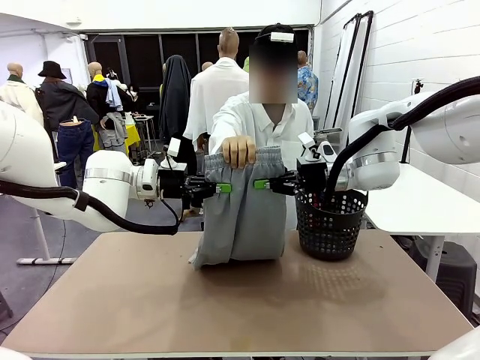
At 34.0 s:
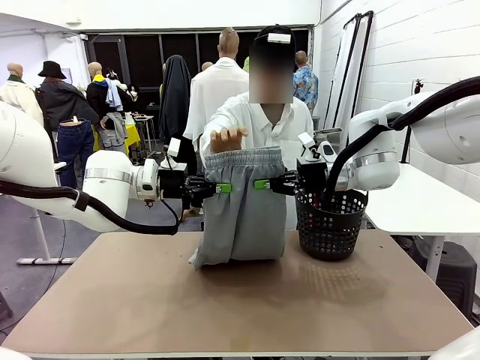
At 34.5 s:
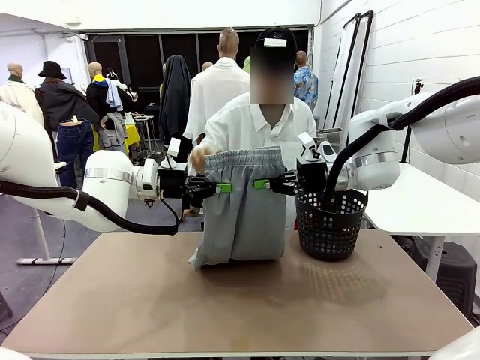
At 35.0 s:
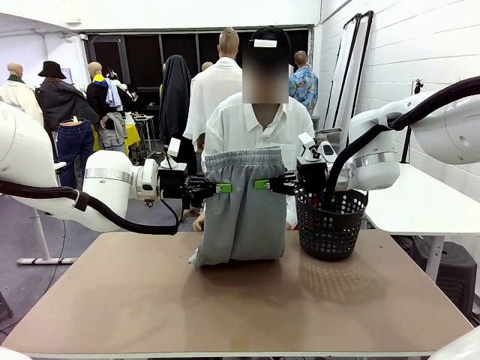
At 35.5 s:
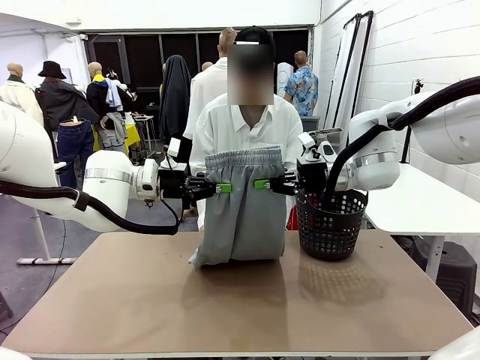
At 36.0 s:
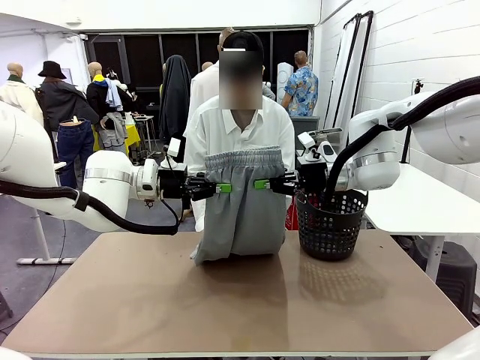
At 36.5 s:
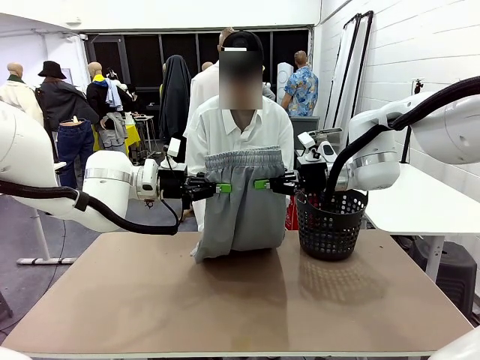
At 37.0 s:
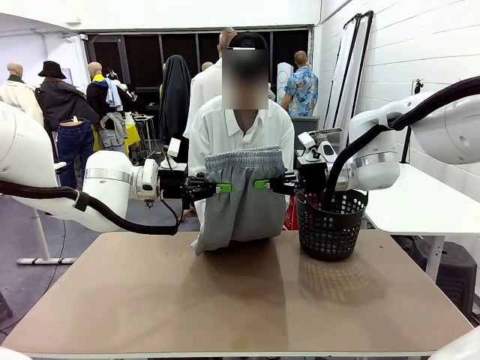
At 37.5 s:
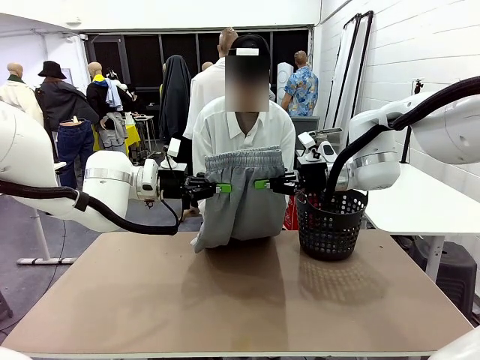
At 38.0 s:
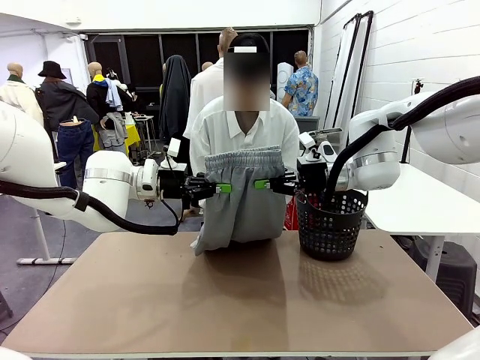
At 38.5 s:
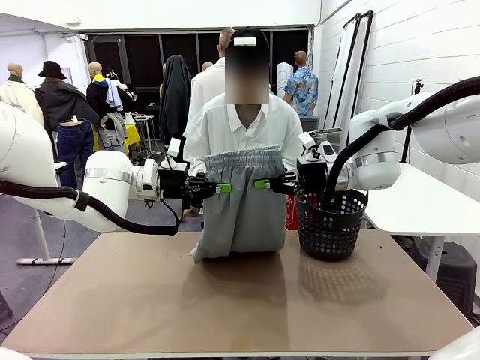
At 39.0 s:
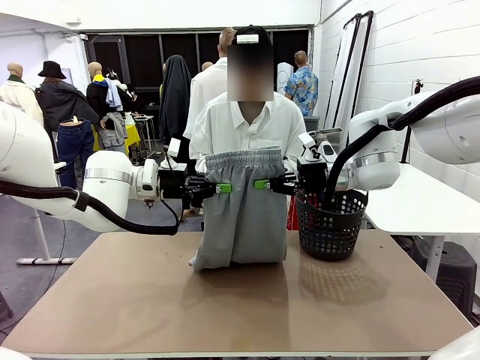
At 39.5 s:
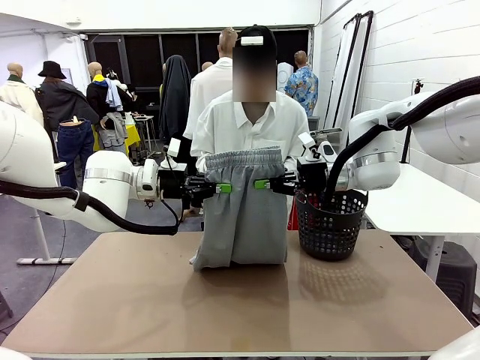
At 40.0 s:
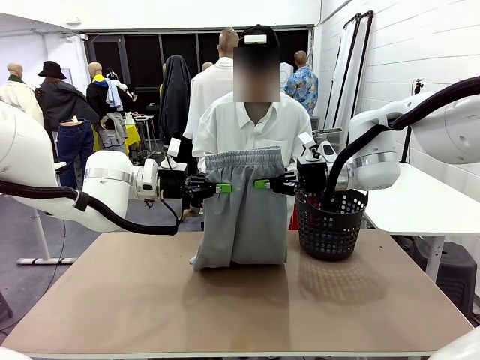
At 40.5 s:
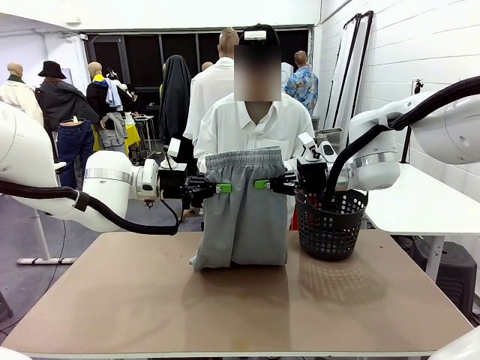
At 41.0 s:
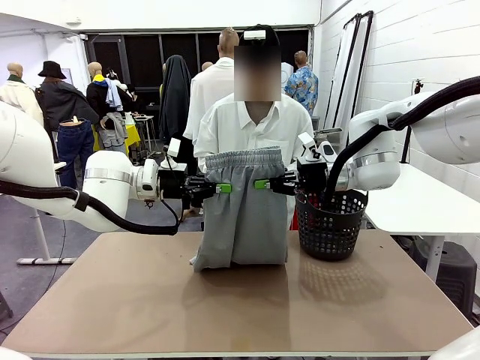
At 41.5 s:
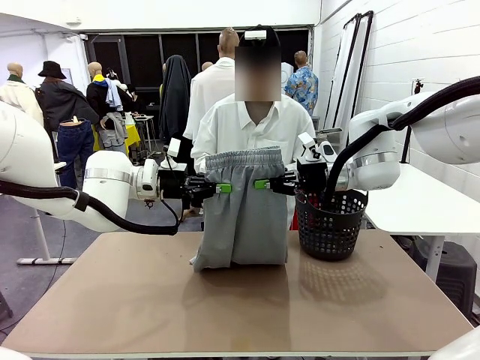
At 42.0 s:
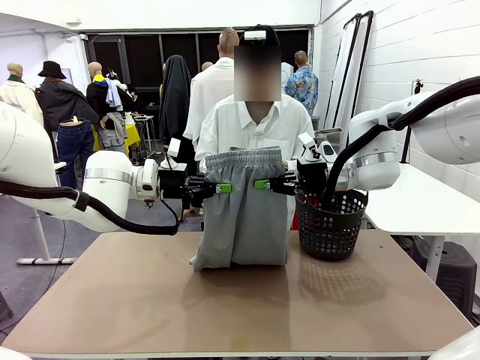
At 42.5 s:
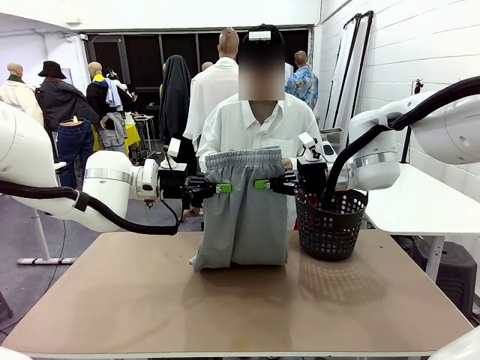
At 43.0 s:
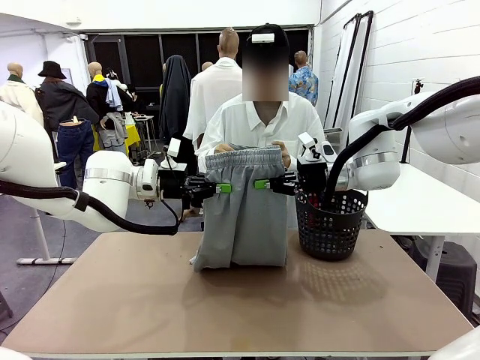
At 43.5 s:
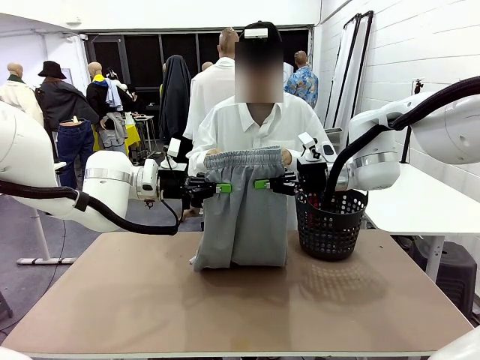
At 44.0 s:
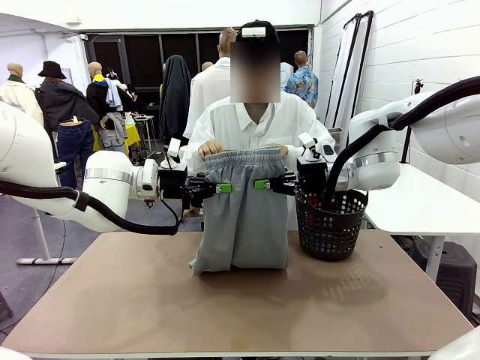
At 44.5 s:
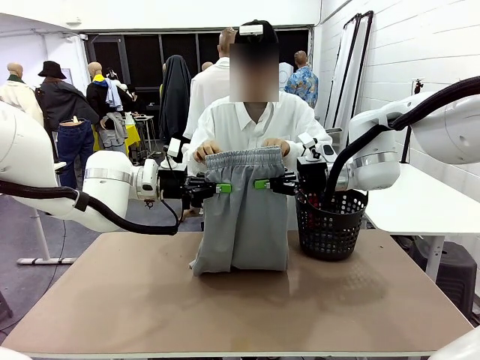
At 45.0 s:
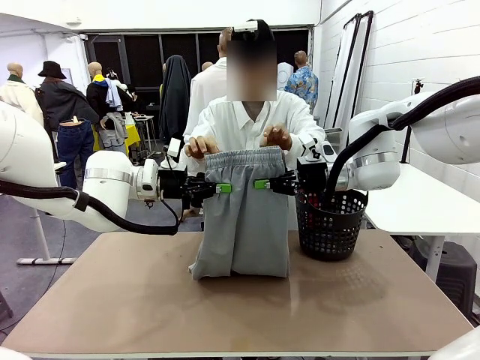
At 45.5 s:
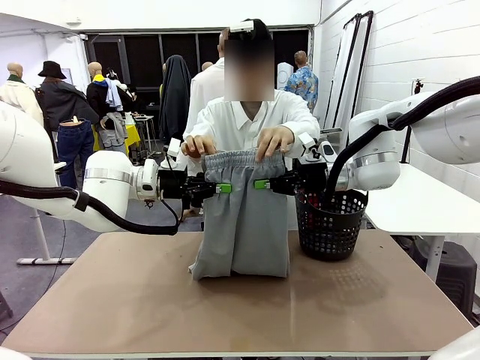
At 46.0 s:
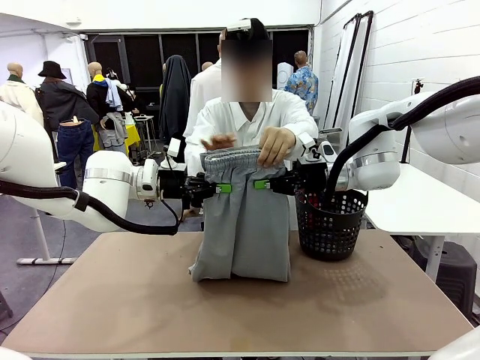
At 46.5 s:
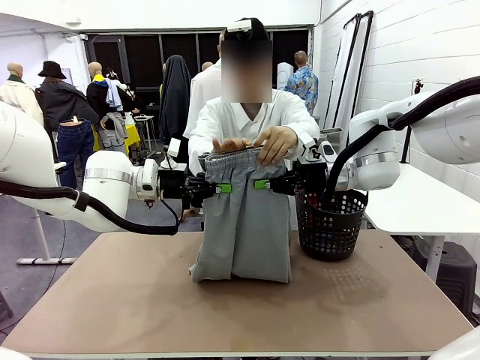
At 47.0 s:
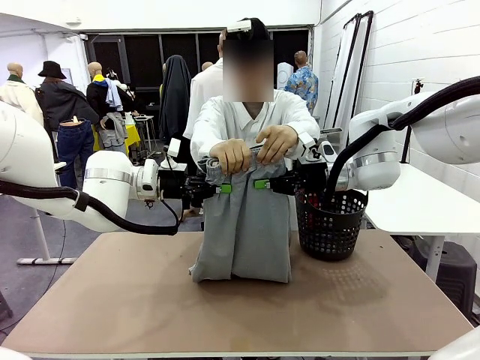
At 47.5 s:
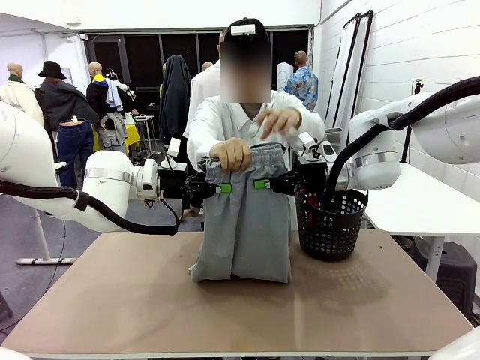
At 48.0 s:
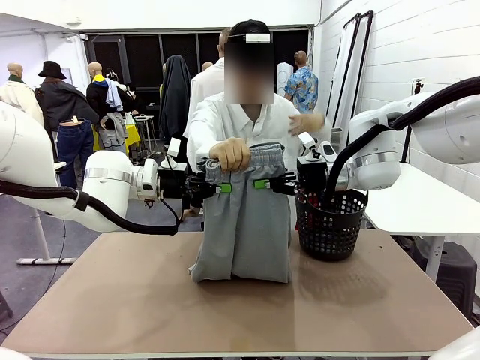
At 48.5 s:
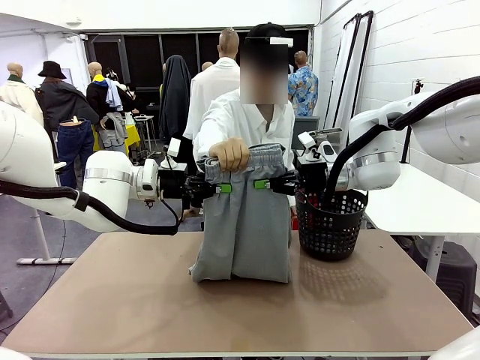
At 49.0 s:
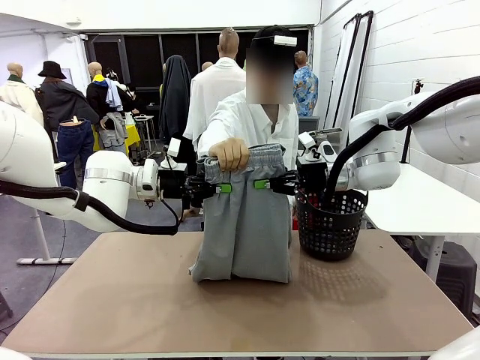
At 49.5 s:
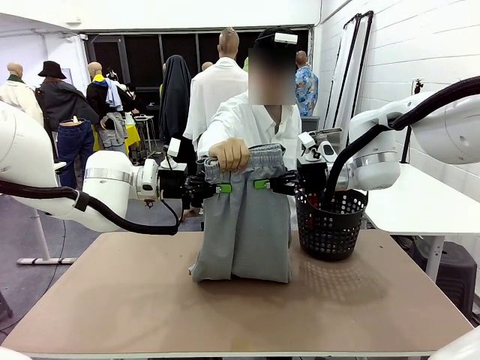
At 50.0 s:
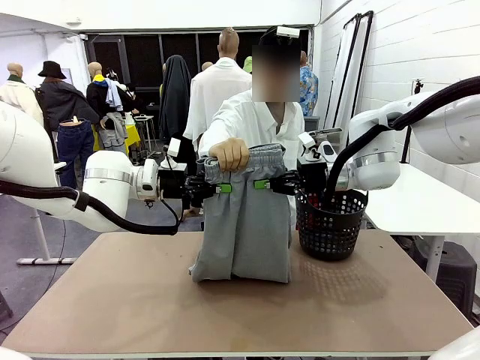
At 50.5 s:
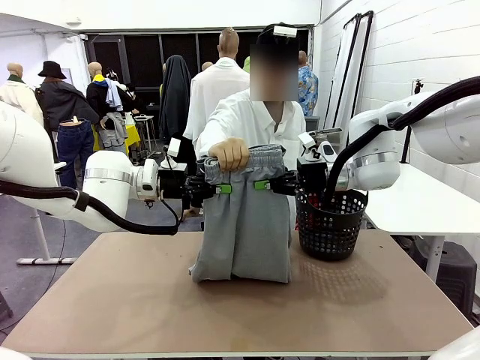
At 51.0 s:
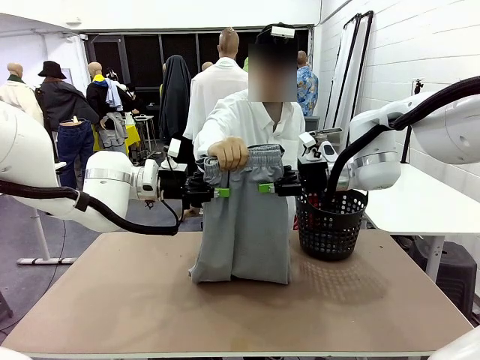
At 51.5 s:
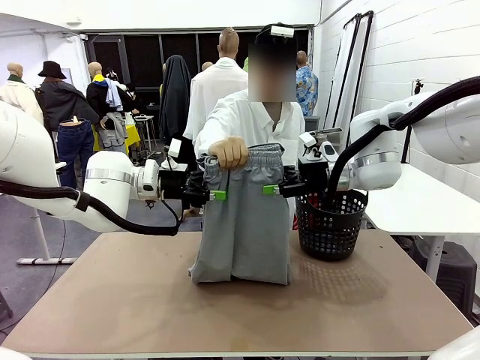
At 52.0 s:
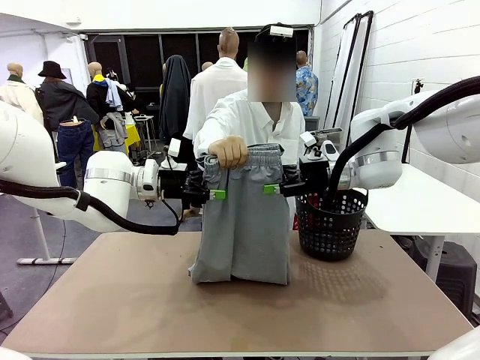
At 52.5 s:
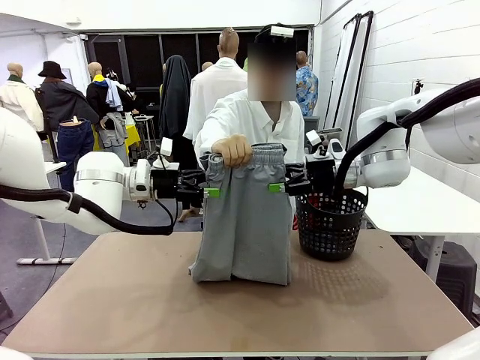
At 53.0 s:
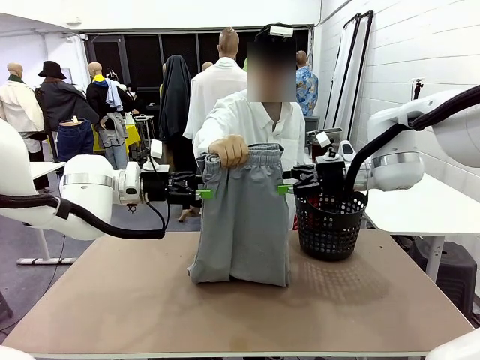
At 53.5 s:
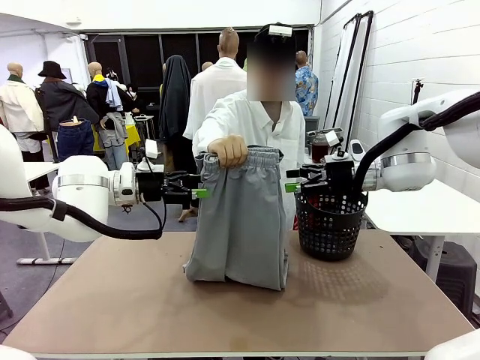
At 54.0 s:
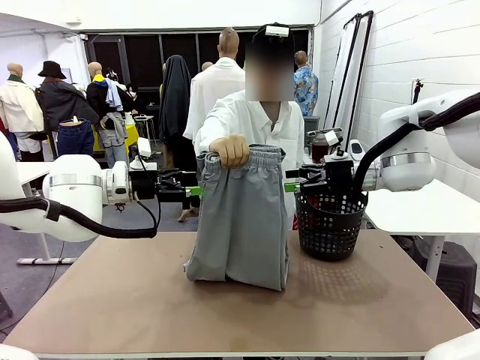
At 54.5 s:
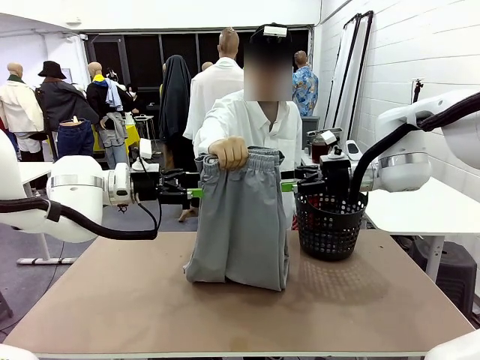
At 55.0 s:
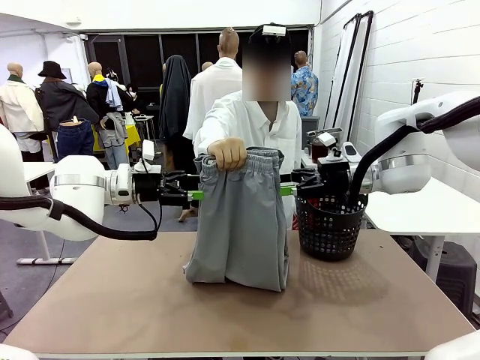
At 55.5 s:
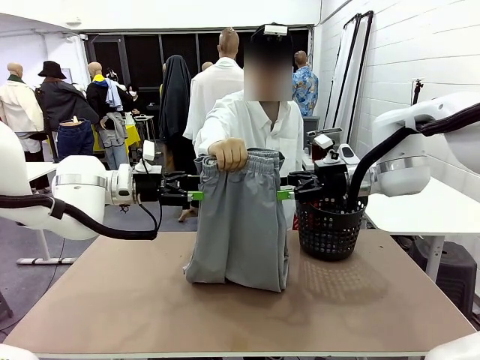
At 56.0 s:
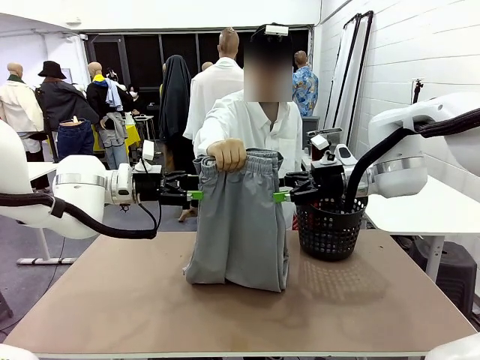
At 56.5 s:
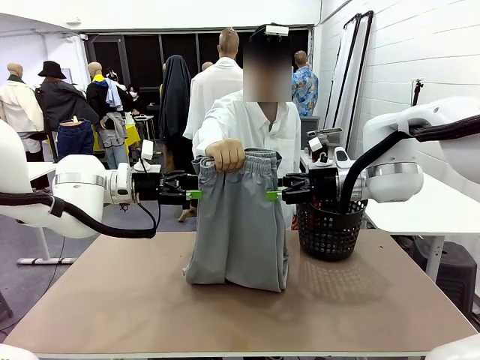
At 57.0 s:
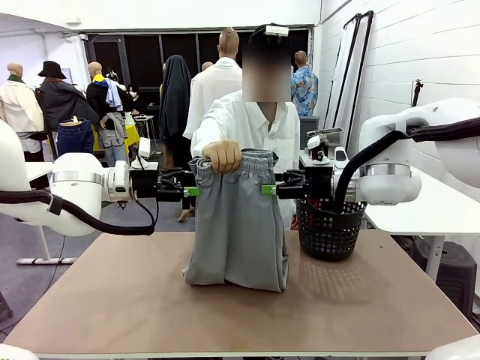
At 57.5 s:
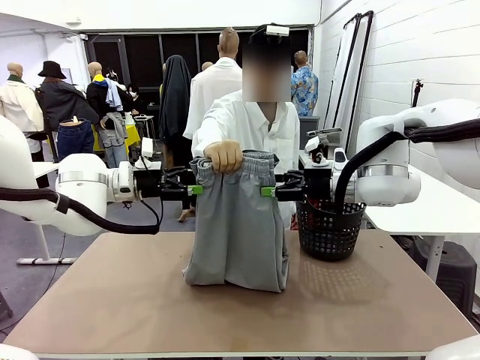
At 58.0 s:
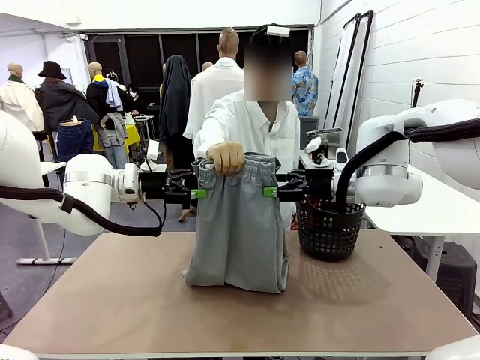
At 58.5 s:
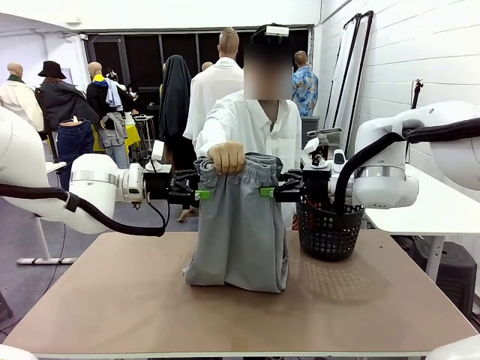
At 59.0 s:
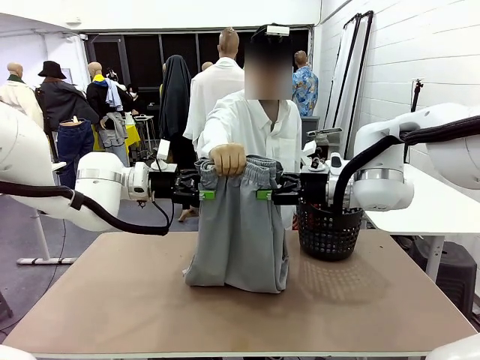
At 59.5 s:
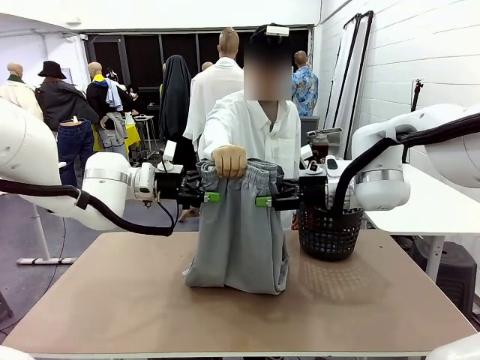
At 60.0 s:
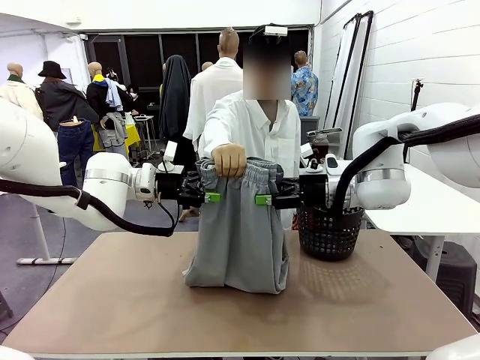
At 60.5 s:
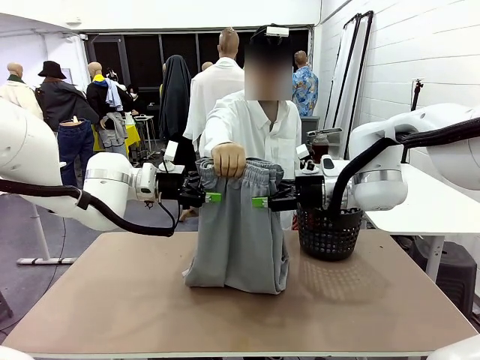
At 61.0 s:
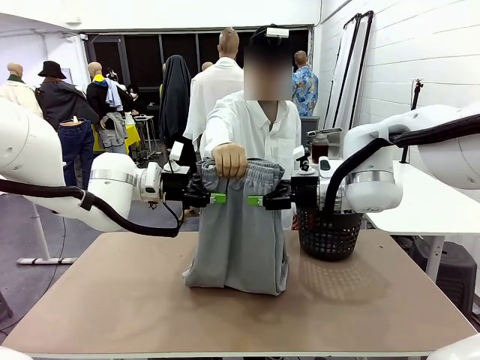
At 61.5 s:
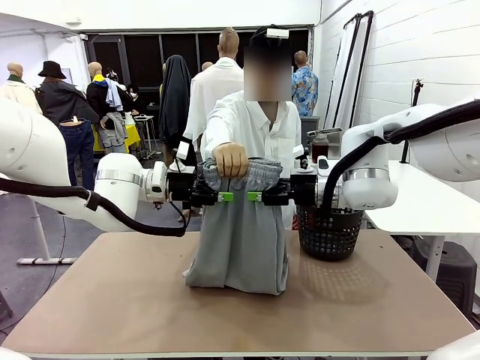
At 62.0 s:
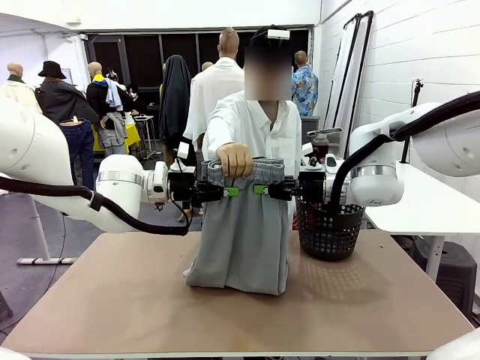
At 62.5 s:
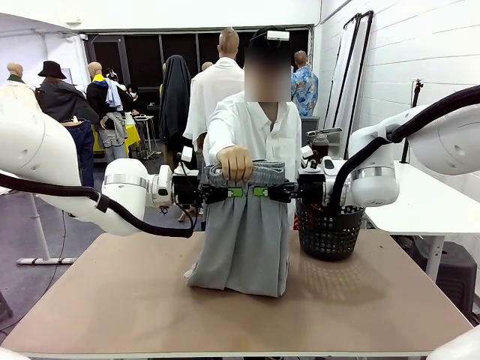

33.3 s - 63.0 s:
Task: Fold the training pants.
Robot: Release the ends of the Training pants and then grab the overlapped ends.
Person: Grasp the end opposite the point the robot is holding, fold the pants in half, and then grasp the overlapping top end of the folded pants. Release the pants you were holding.
